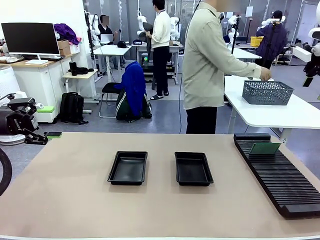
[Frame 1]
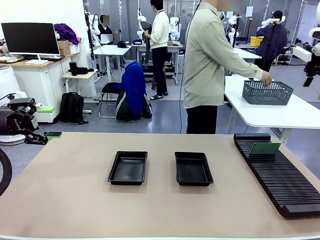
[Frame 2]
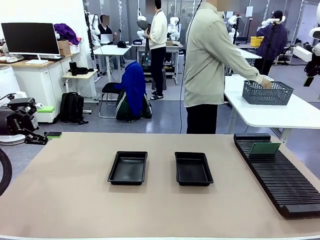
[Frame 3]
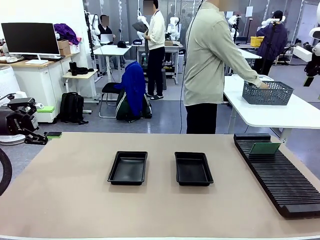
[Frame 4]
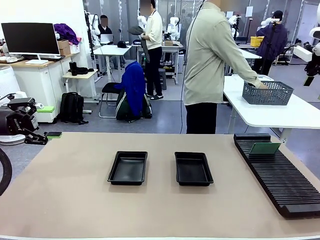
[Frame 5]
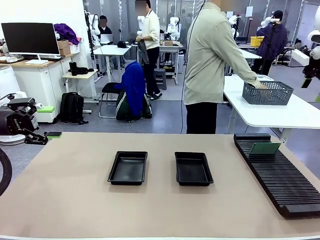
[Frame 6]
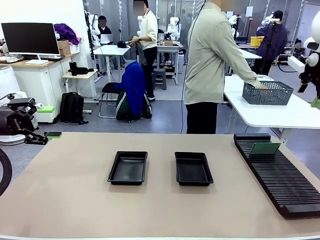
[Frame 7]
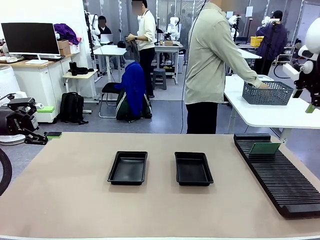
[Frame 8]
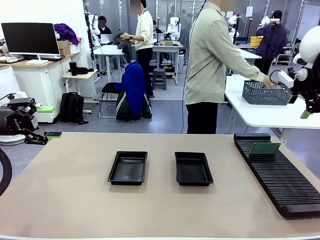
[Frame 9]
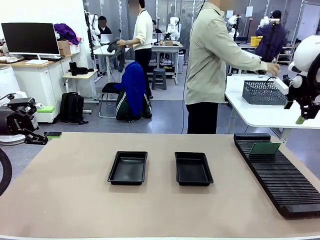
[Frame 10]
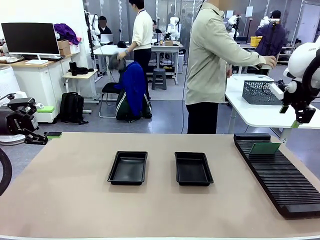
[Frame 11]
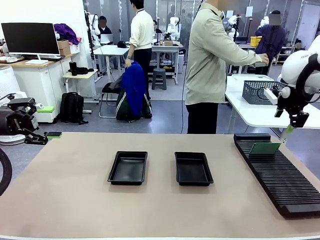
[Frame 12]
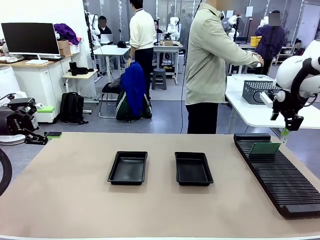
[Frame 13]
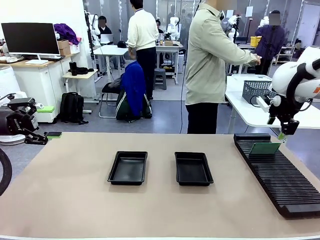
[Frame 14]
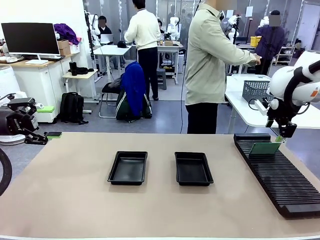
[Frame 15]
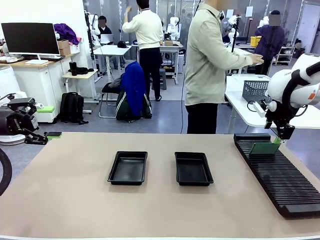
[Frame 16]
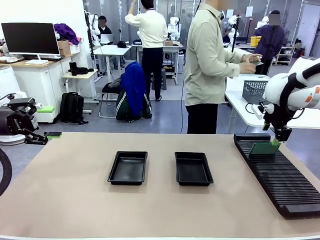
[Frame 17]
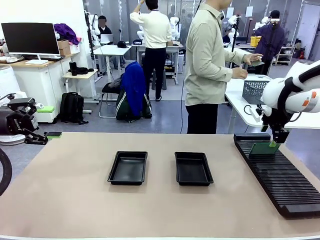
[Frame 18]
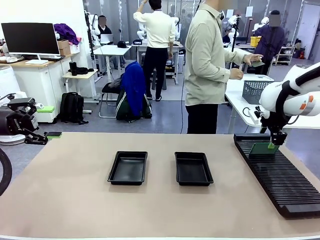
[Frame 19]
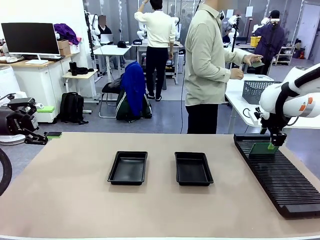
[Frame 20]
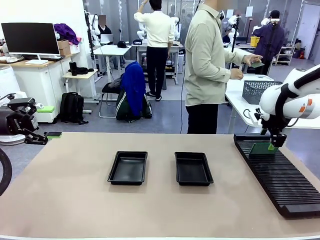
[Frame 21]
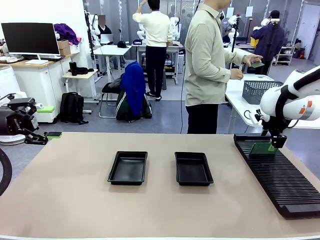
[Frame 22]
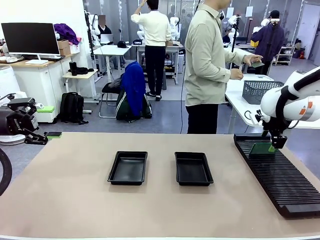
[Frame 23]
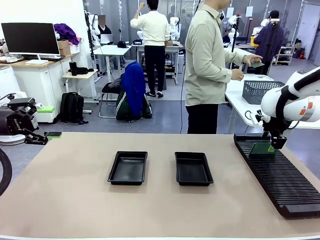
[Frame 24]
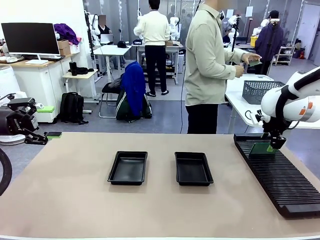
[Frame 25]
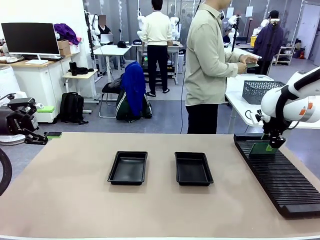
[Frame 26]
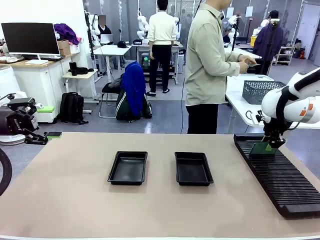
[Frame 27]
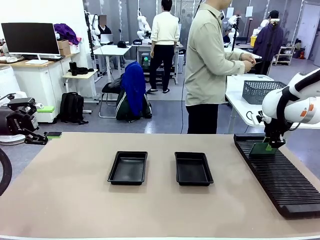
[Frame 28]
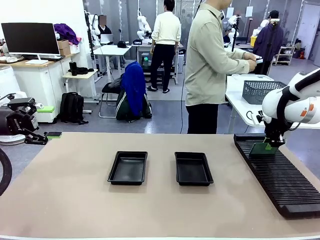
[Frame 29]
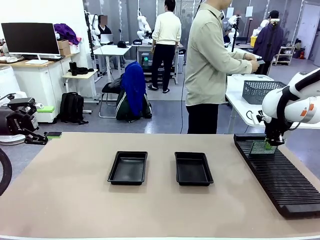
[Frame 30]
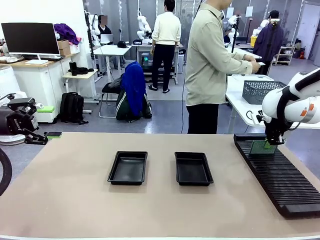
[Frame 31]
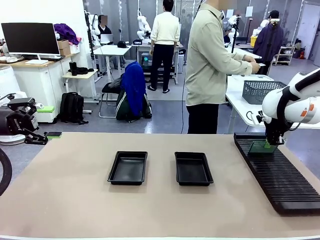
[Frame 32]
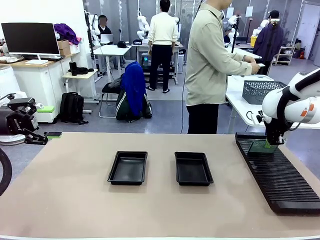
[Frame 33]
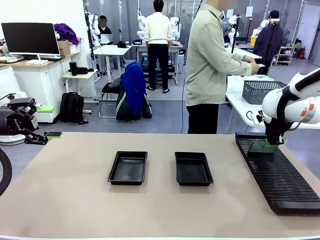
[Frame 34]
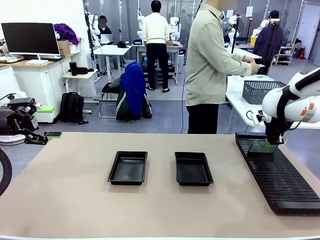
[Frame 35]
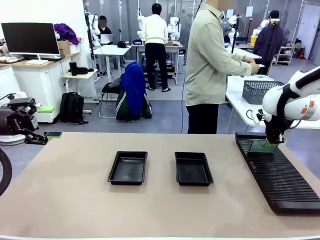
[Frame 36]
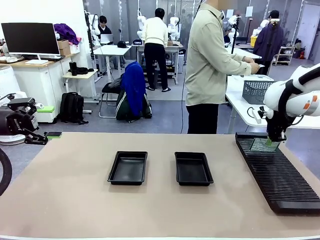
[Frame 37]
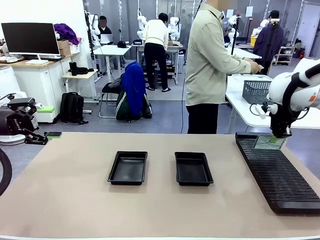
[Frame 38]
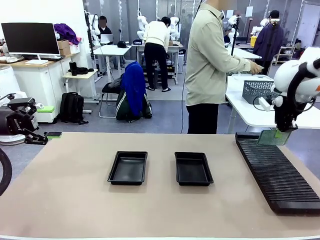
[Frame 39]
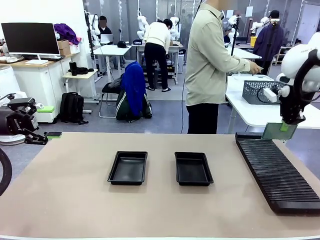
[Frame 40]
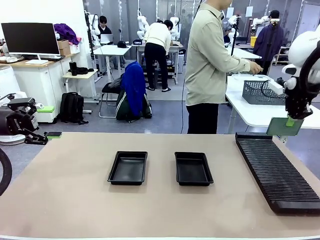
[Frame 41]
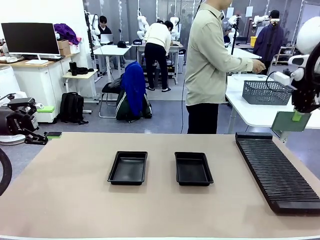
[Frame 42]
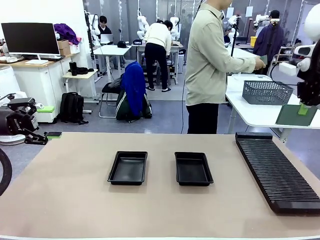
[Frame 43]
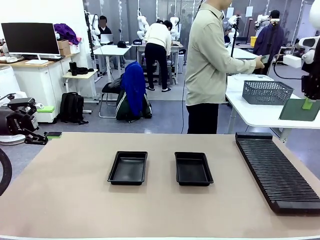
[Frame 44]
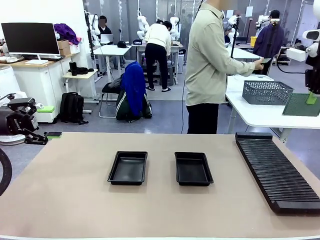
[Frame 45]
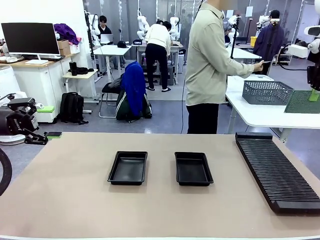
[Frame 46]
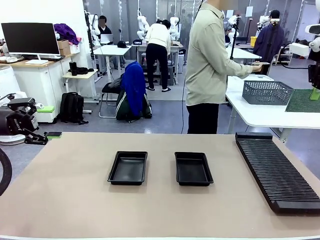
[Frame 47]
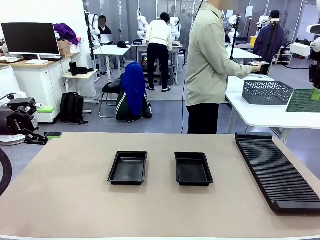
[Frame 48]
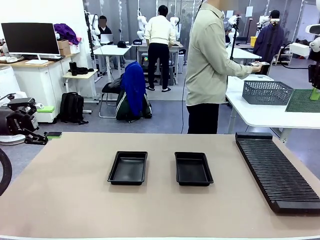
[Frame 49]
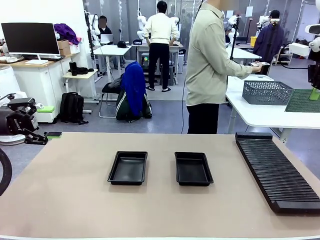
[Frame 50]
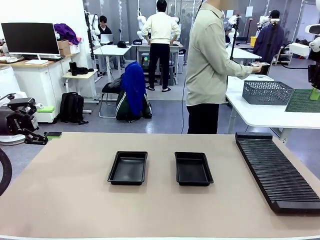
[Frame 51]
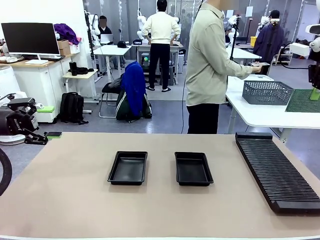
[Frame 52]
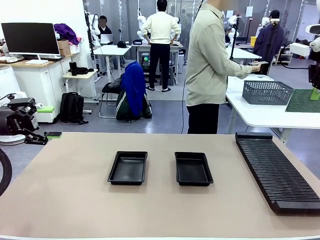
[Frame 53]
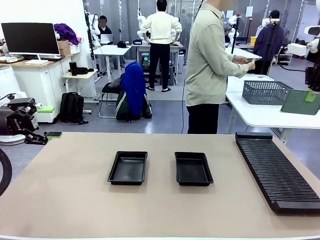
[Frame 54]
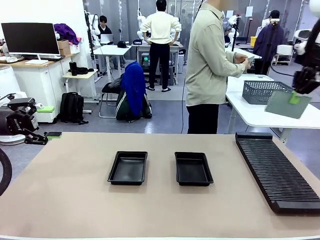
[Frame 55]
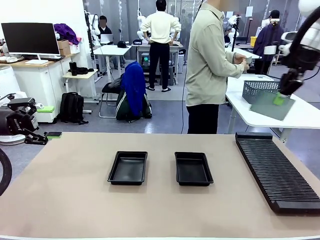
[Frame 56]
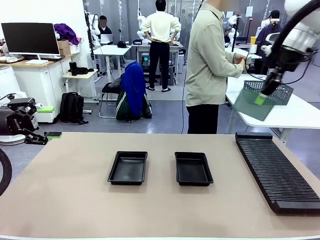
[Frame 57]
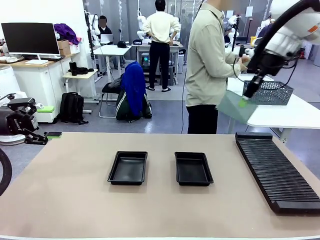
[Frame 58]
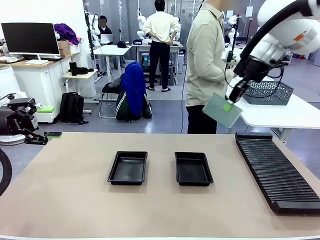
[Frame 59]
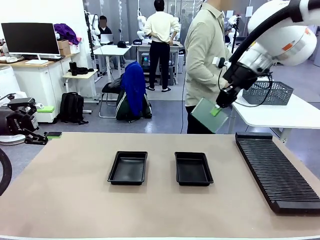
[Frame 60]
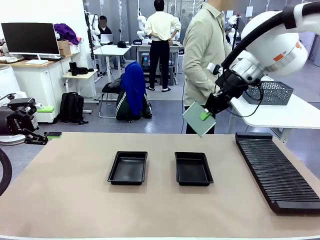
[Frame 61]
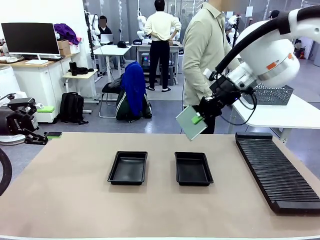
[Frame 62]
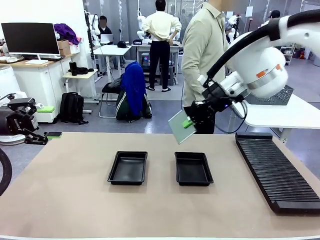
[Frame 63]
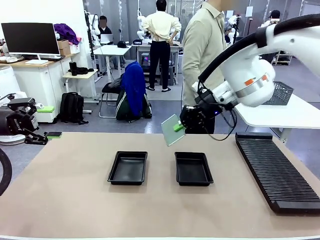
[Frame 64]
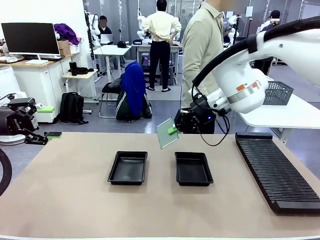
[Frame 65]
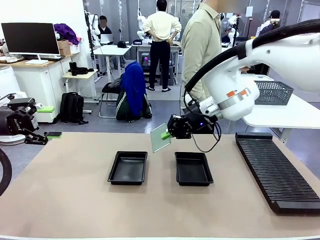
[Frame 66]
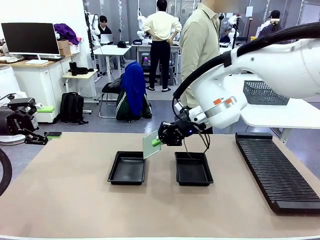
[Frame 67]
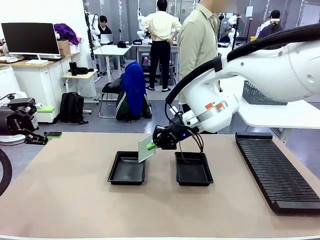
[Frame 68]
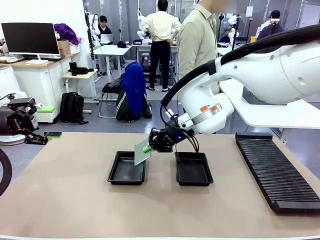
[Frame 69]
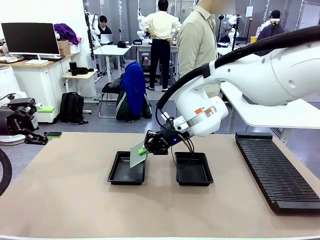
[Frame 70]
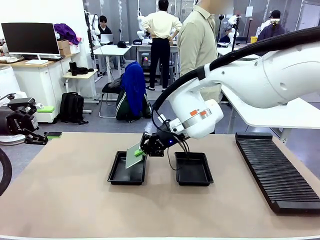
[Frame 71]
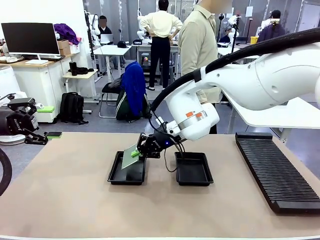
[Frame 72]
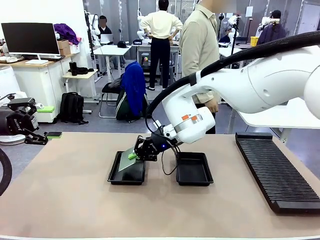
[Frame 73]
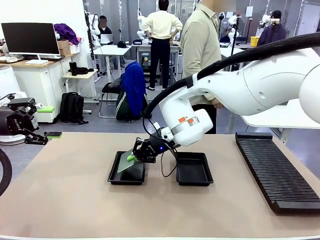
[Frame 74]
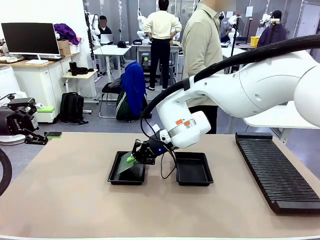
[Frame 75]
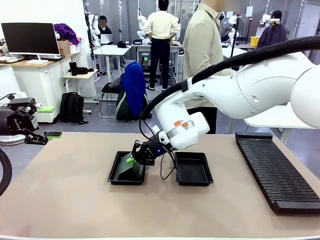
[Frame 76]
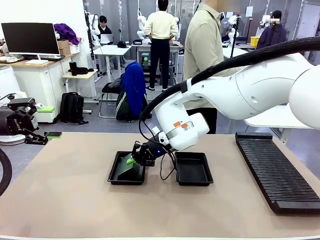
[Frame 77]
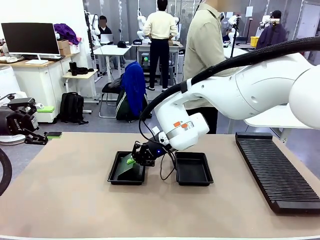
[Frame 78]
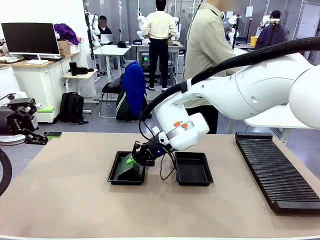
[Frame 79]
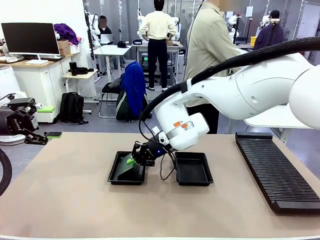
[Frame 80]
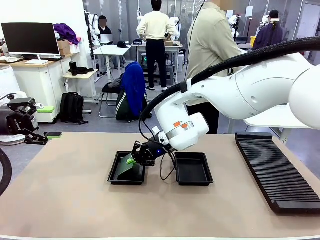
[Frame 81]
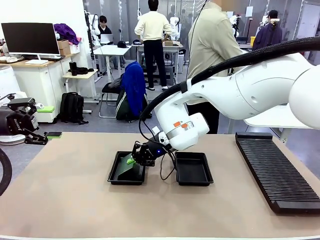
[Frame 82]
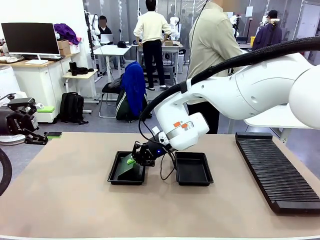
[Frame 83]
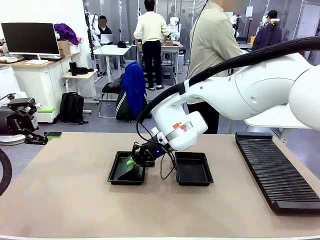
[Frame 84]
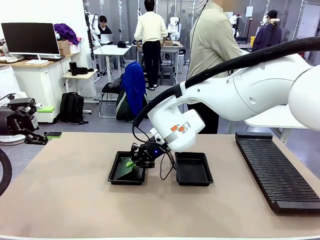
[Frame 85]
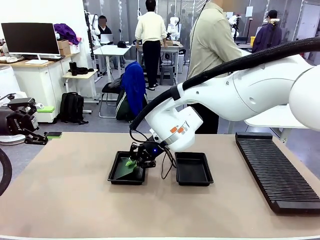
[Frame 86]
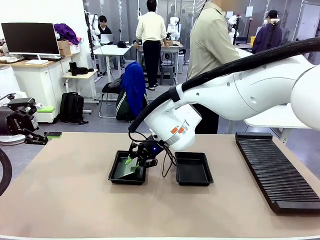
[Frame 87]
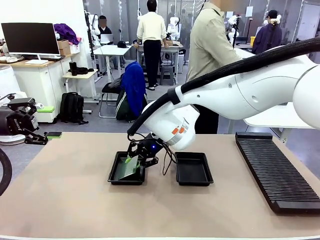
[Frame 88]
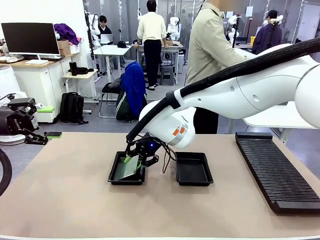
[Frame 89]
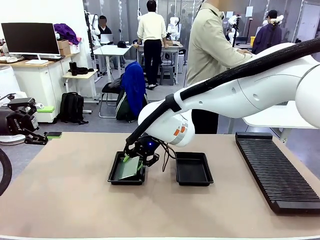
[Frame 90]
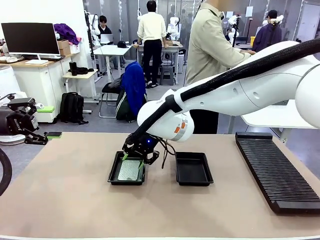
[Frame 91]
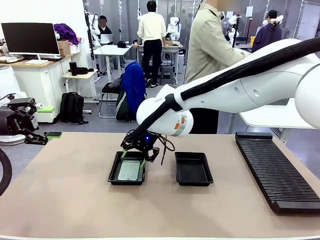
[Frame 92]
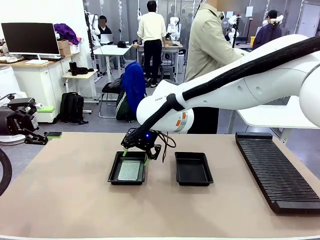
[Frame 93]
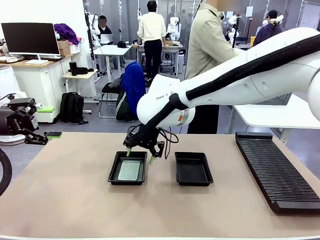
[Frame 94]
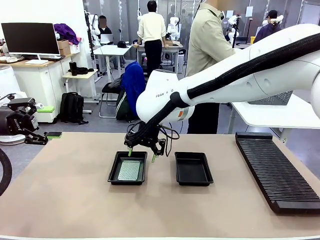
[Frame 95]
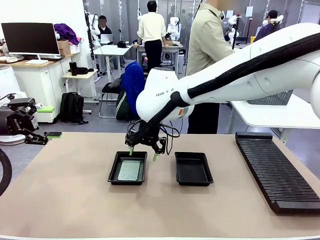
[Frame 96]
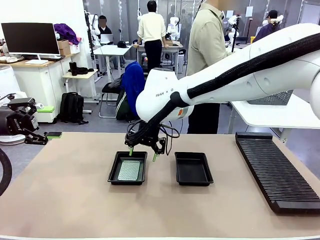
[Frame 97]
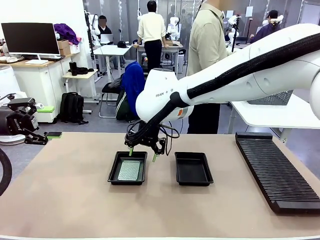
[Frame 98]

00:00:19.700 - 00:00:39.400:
Task: Inspect and transfer BCBs to ESD trays.
Robot: Pick up the Blank PCB from the PCB Rack and place it in the left ESD tray.
